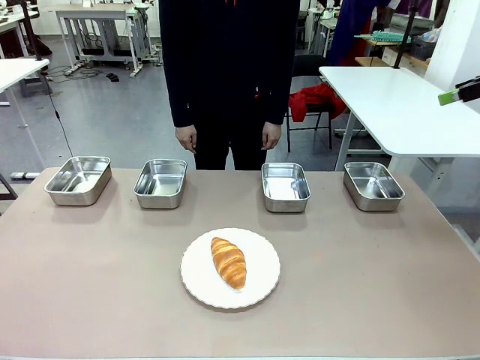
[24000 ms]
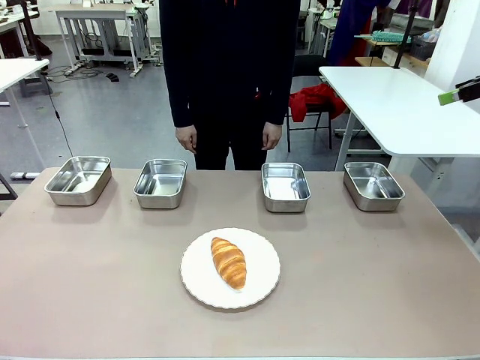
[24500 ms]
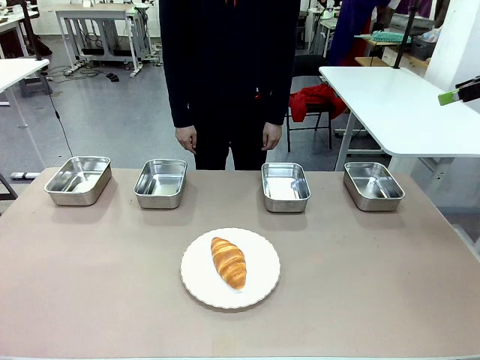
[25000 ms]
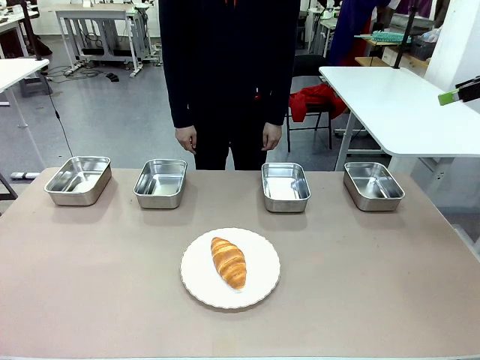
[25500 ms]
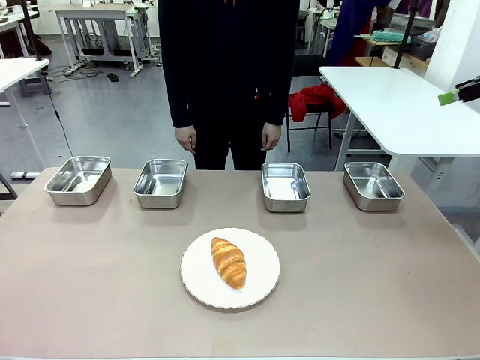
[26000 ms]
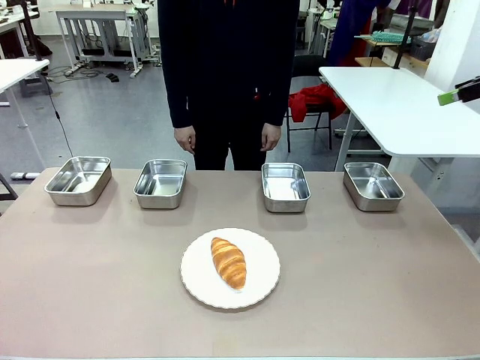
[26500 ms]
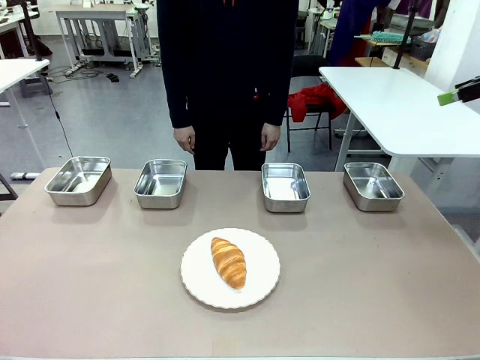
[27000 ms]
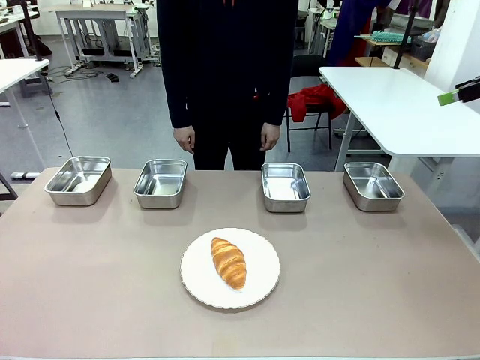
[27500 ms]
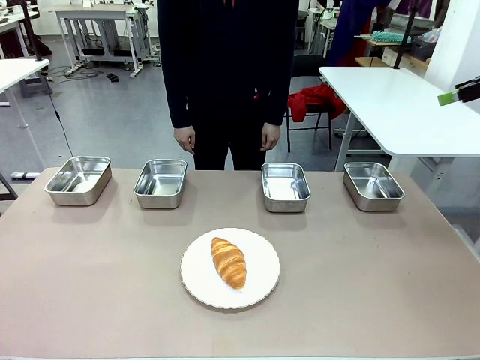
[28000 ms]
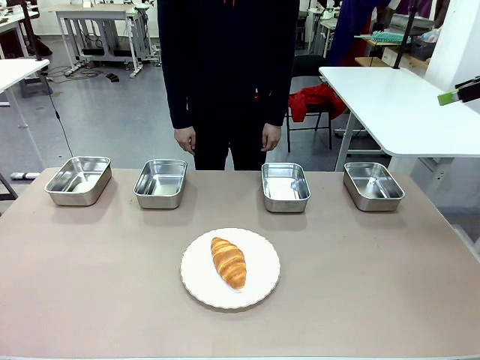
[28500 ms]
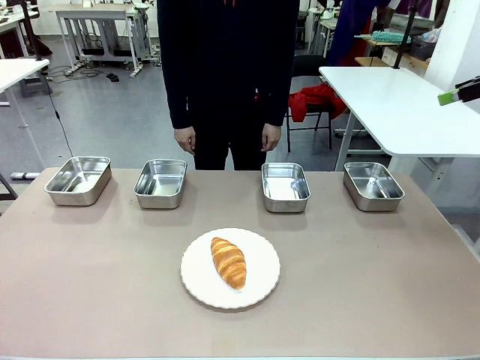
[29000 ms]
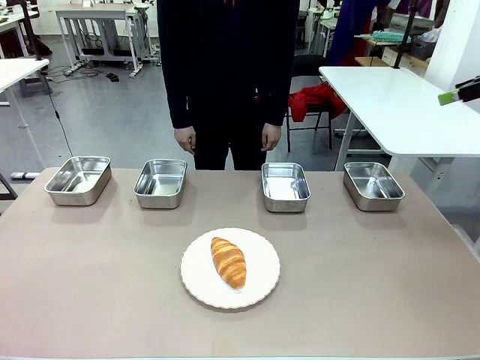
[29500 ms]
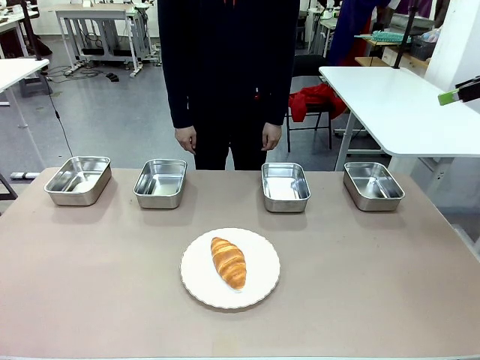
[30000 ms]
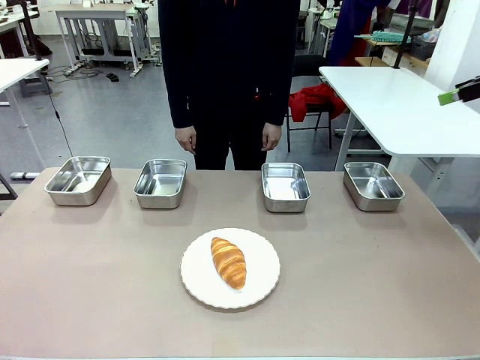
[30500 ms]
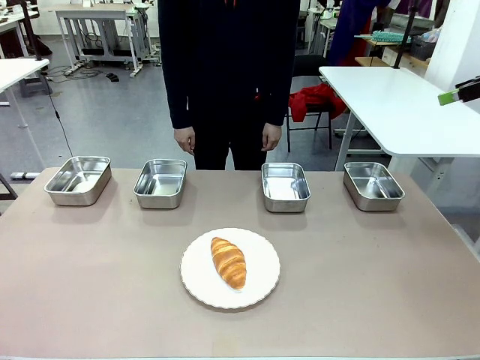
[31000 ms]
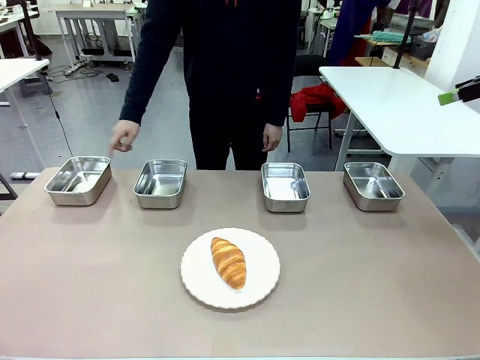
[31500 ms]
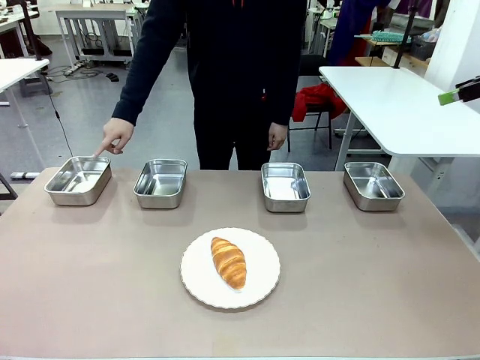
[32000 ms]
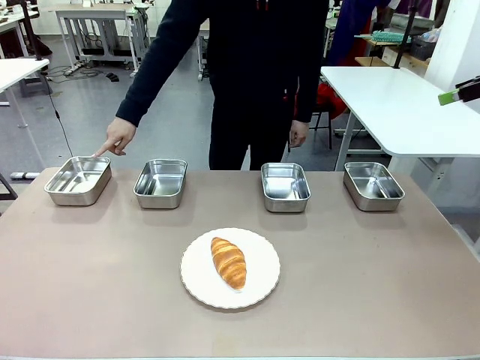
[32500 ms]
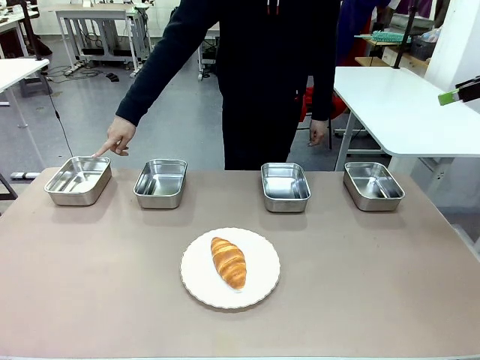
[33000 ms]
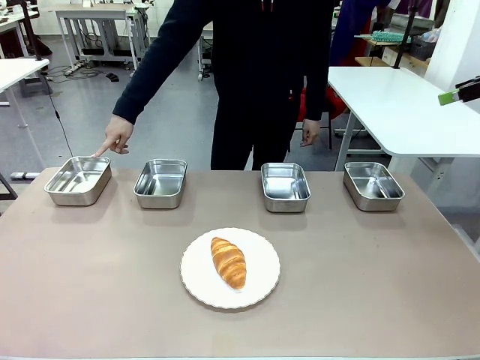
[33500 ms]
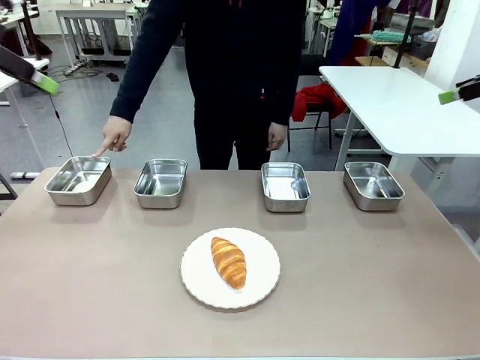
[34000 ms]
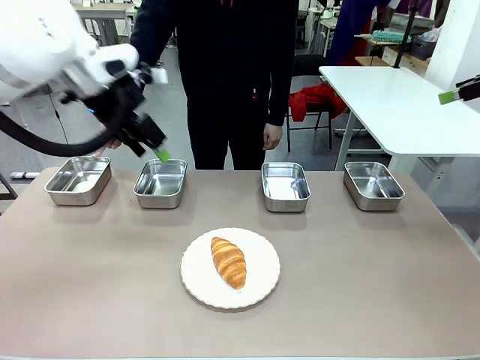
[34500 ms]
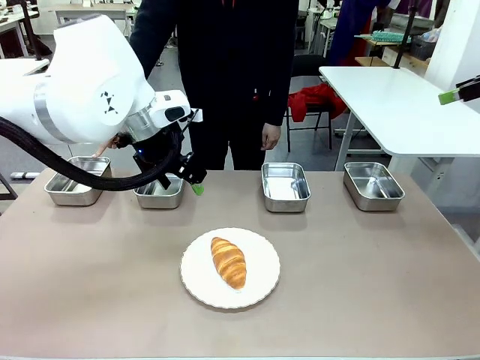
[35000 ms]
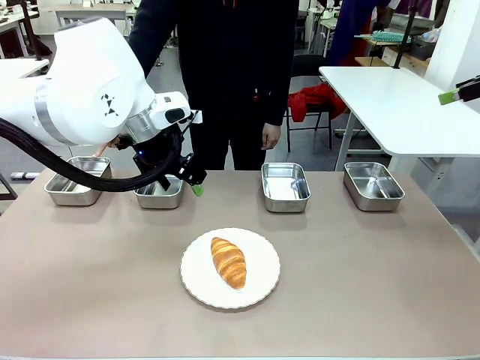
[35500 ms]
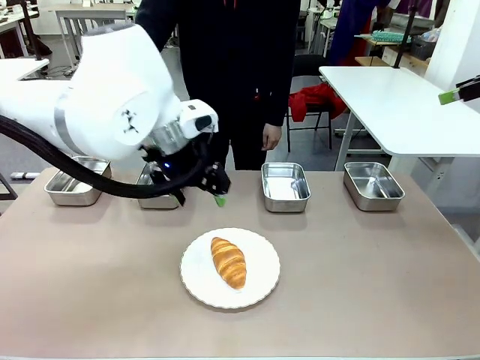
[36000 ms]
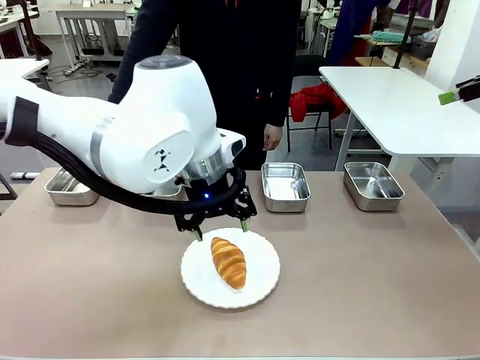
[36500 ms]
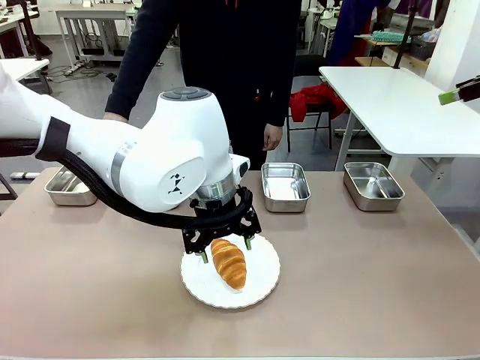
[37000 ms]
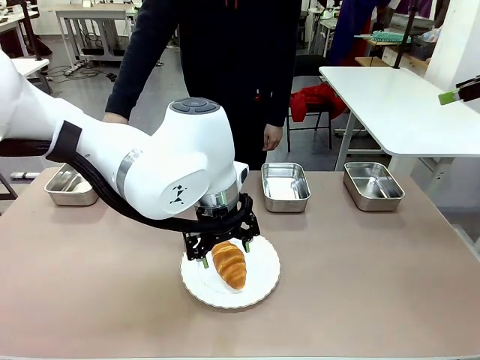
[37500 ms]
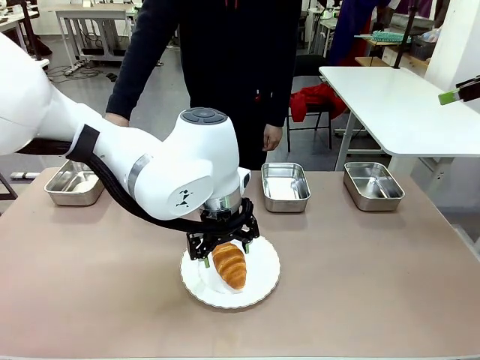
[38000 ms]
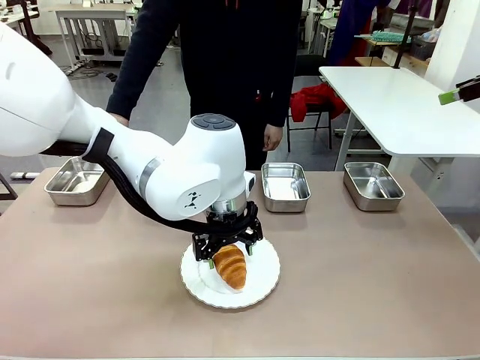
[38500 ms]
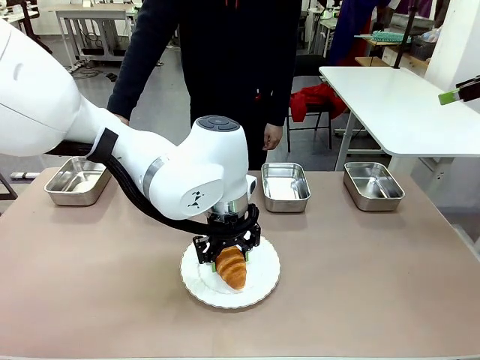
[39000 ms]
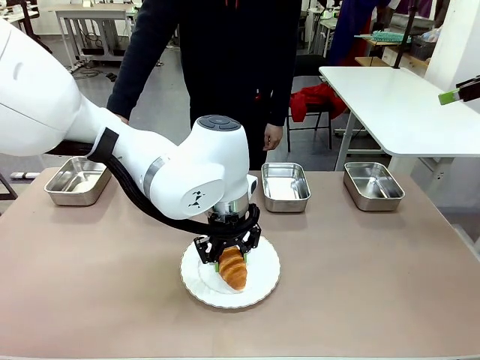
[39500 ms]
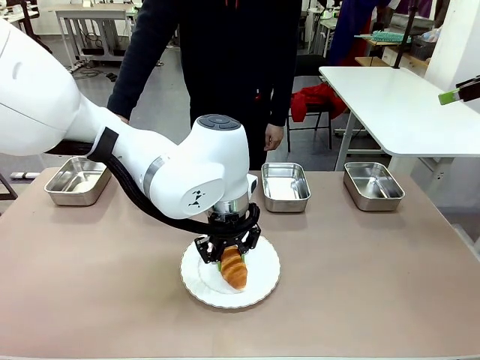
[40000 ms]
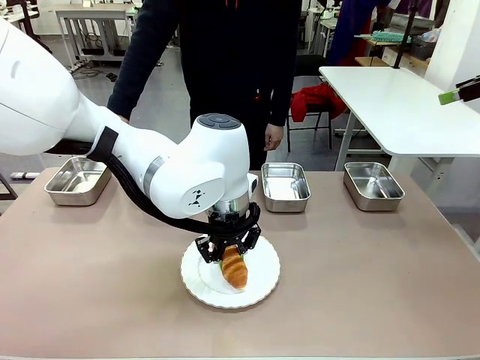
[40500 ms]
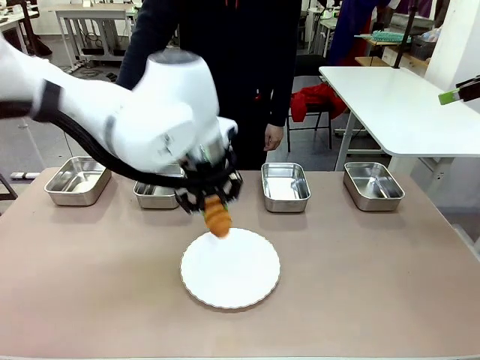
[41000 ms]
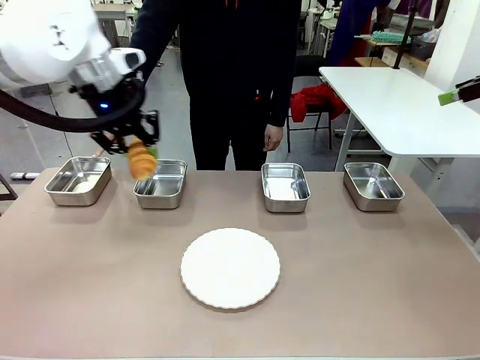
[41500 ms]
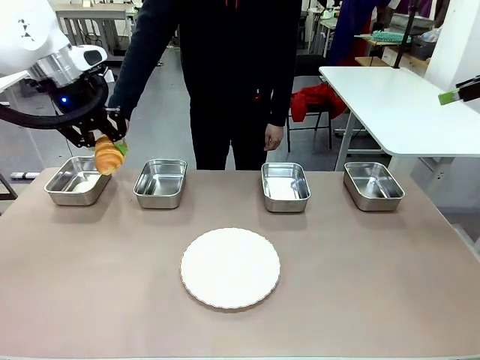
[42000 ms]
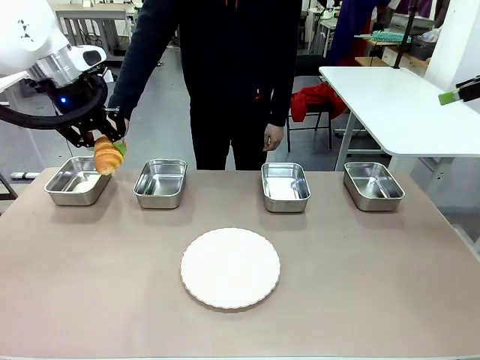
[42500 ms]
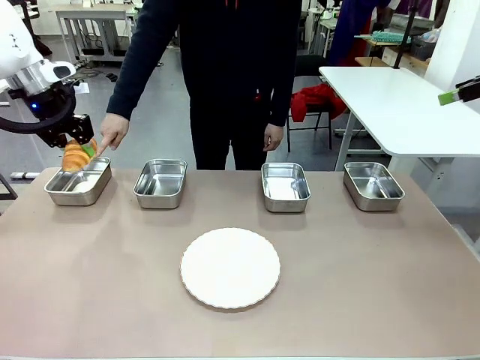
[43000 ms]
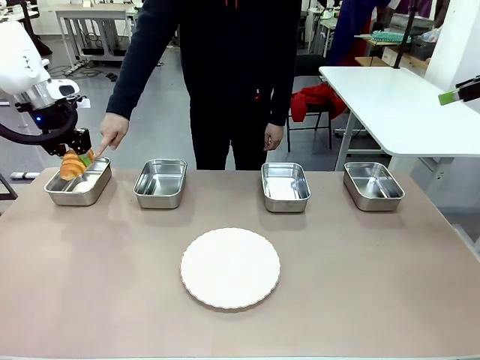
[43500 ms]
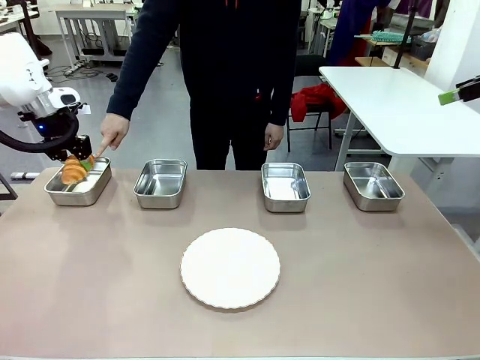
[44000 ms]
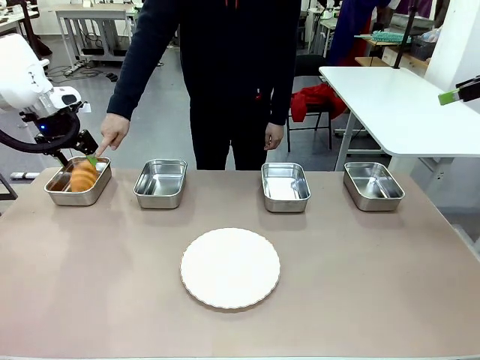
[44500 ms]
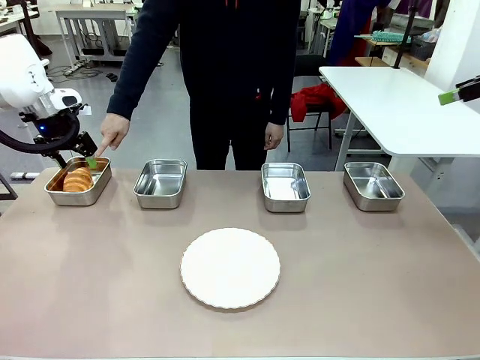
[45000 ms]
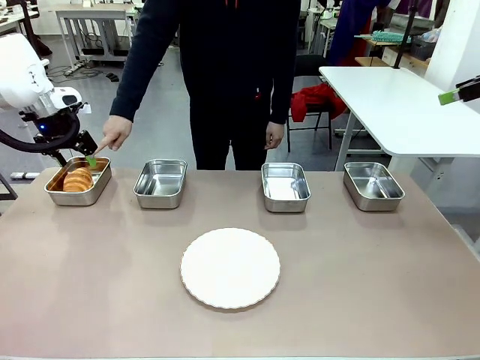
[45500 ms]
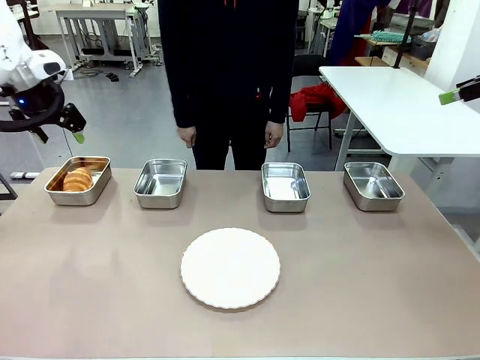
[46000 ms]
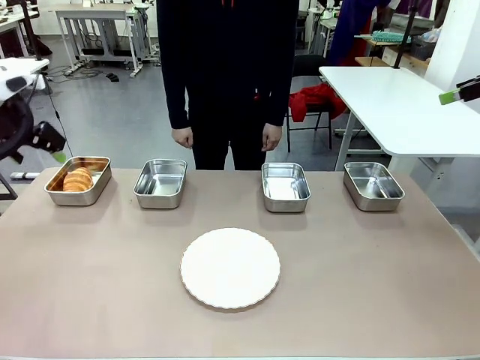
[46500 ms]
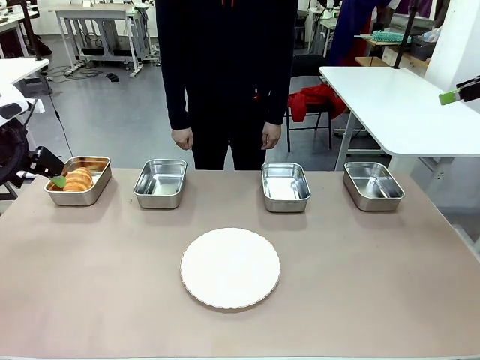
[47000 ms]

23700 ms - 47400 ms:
Task: Place the bread in the container.
Robot: Place the Butter Roll into the Airtight Container indicated by the human.
